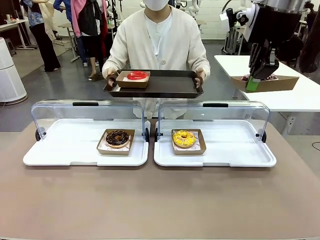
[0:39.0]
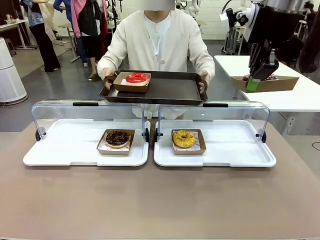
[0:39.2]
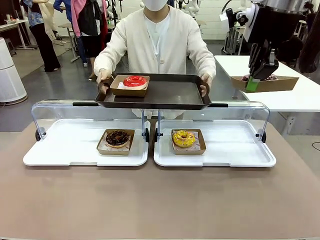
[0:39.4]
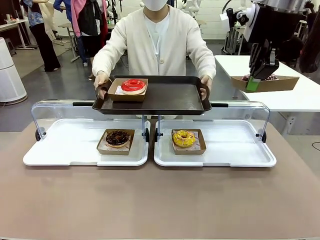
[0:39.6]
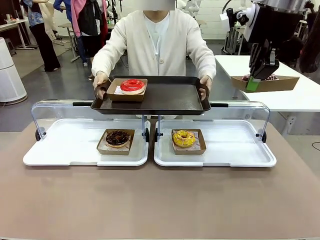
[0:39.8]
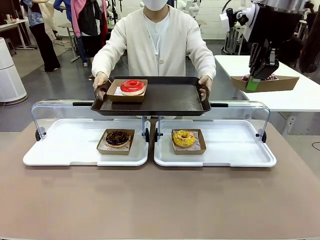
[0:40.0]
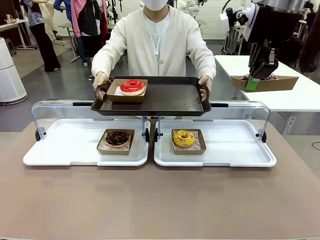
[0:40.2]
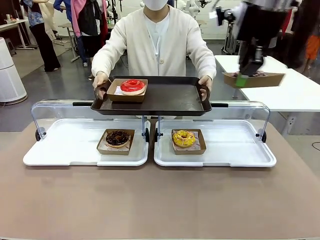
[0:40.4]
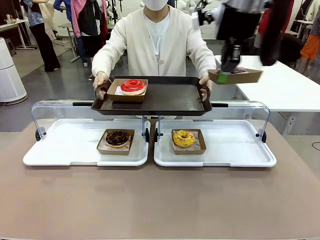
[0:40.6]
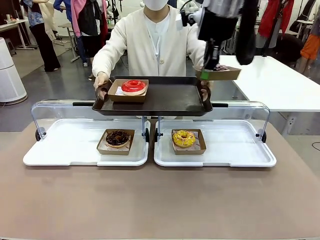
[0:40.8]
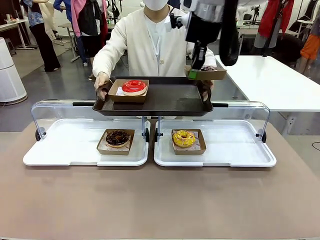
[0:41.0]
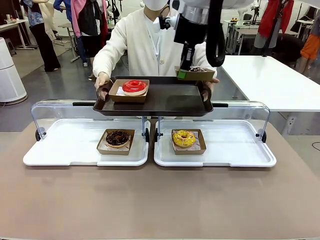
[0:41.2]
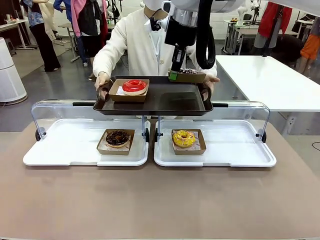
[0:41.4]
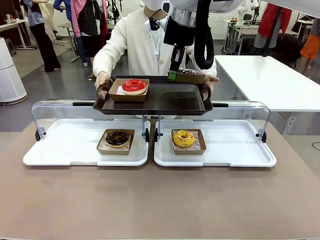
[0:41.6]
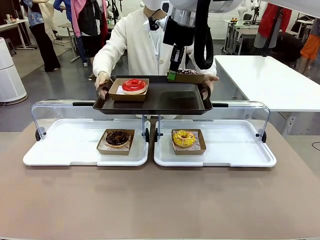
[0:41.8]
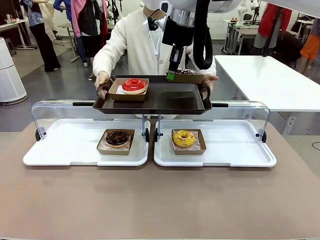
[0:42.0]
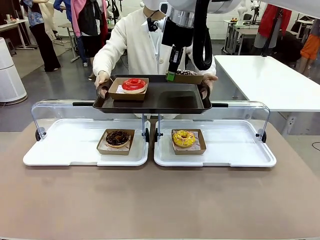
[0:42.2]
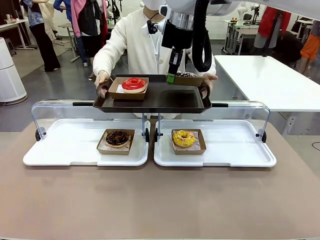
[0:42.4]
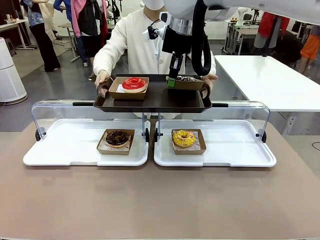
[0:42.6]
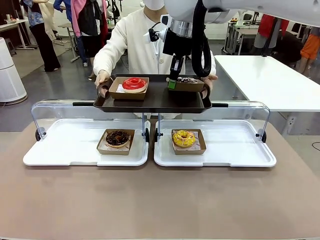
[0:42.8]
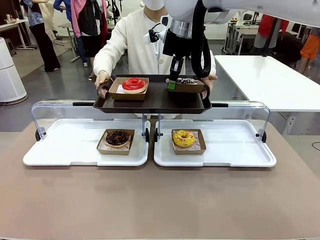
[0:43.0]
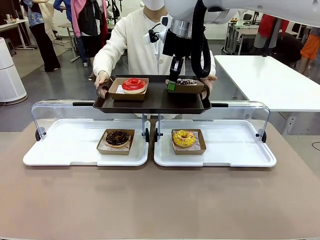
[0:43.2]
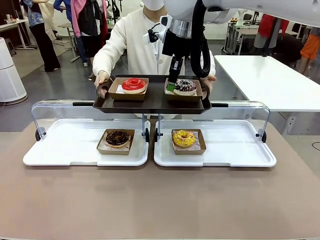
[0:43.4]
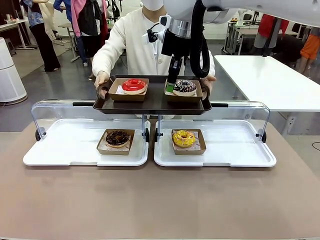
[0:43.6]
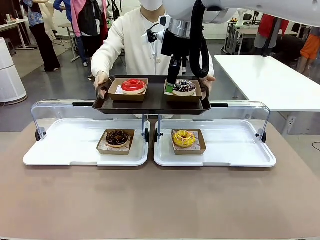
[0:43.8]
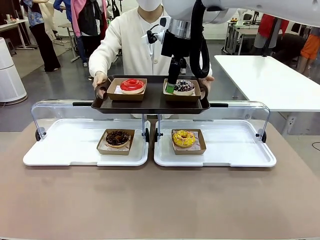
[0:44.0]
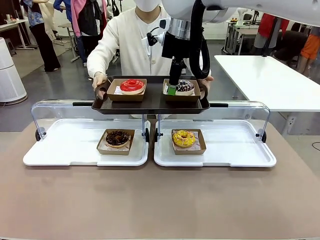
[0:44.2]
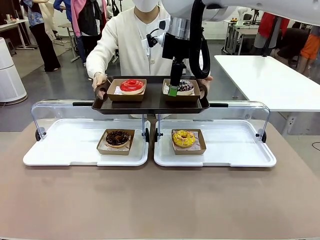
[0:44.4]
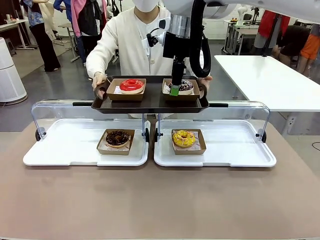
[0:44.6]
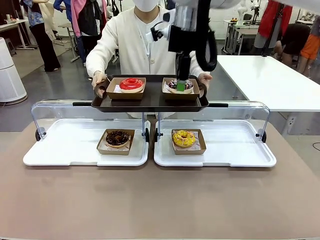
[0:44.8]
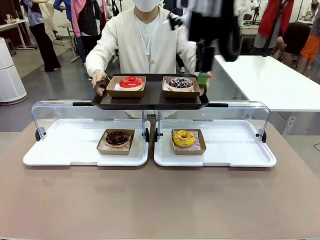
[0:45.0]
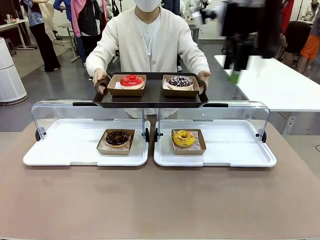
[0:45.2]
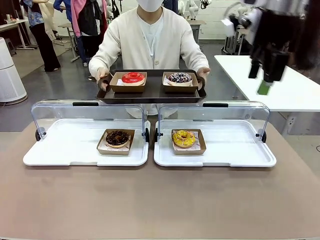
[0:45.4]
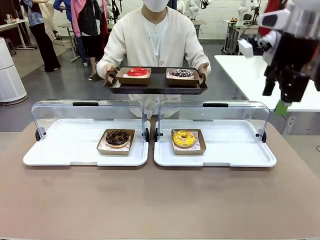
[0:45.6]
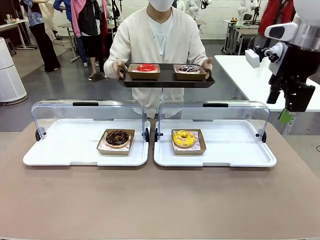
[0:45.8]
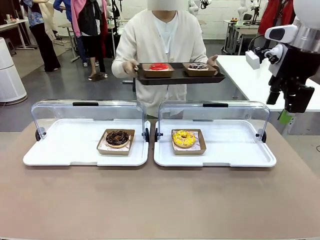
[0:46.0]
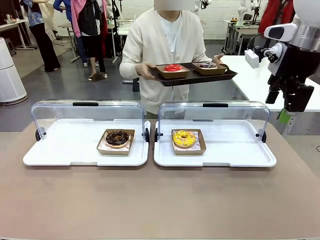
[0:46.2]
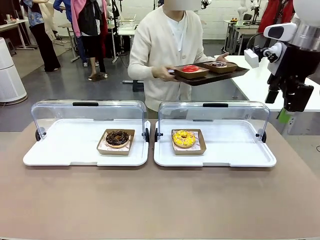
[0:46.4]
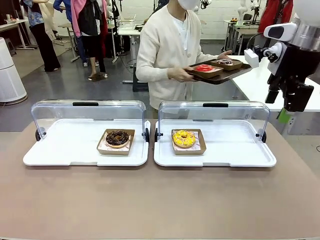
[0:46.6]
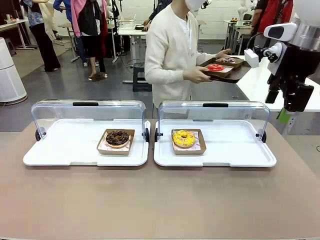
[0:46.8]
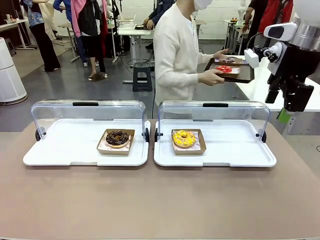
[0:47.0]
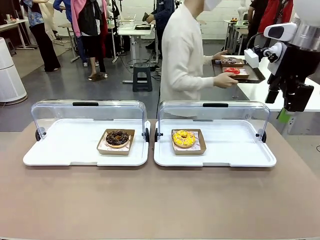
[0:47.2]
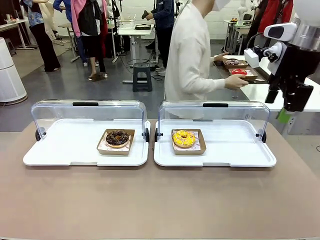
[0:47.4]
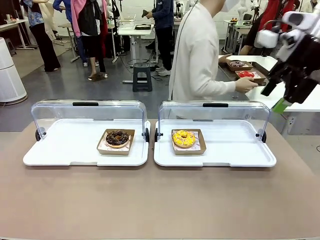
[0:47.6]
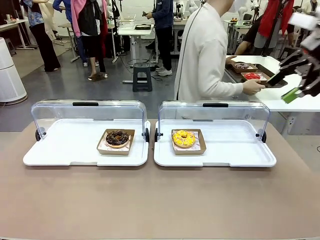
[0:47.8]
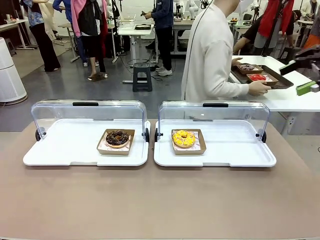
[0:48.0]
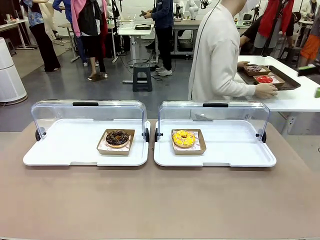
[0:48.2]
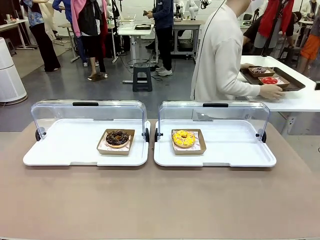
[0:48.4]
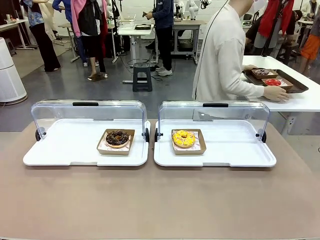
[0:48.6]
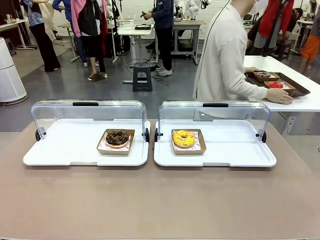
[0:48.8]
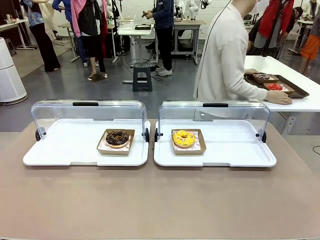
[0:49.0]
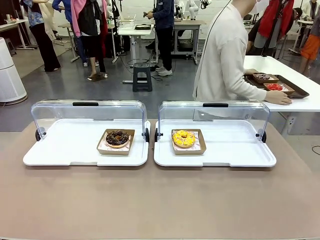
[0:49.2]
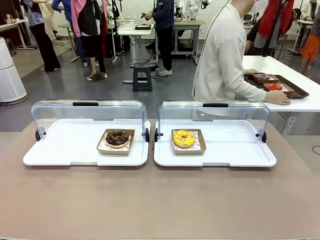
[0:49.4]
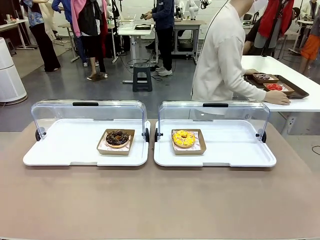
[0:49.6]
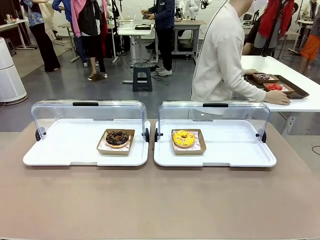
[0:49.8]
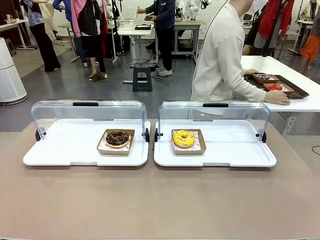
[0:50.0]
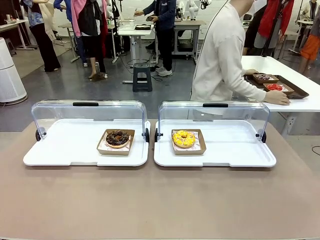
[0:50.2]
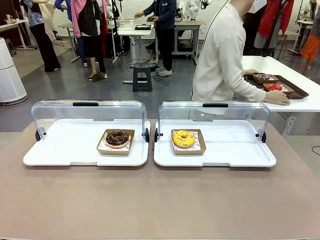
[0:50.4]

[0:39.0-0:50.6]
Task: Provide the desired donut to the person.
Robot: Place the picked Paper togo box onto the Handle tray extended by the person.
Person: Place the tray in the middle of the human table.

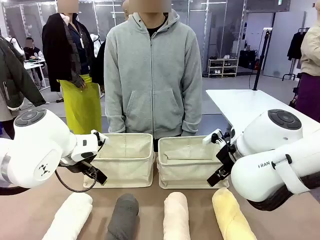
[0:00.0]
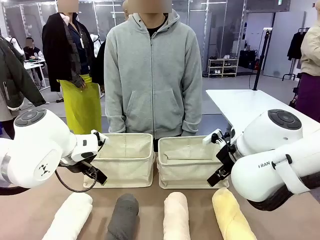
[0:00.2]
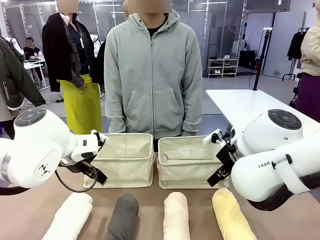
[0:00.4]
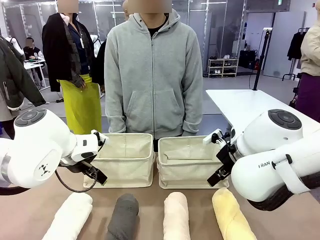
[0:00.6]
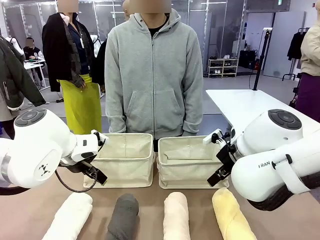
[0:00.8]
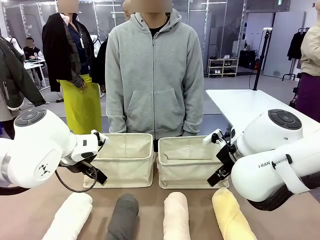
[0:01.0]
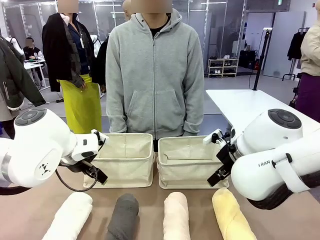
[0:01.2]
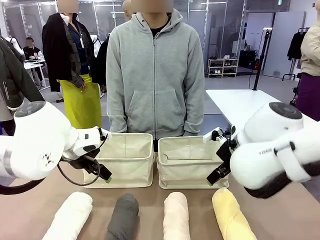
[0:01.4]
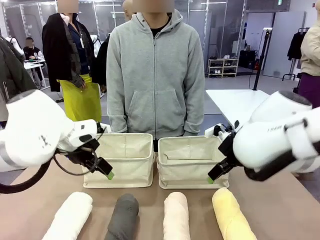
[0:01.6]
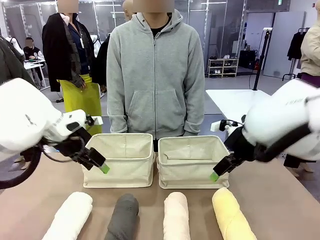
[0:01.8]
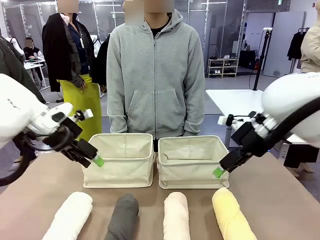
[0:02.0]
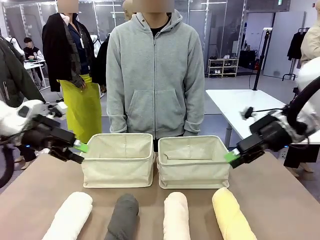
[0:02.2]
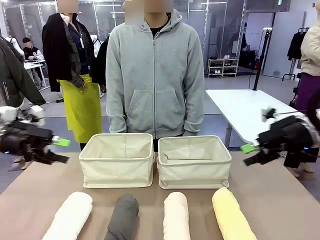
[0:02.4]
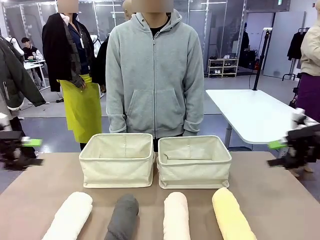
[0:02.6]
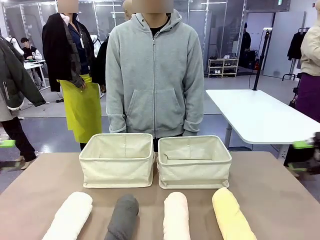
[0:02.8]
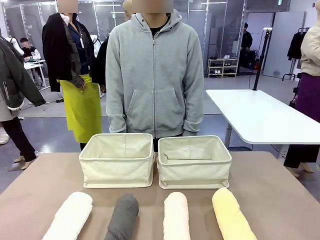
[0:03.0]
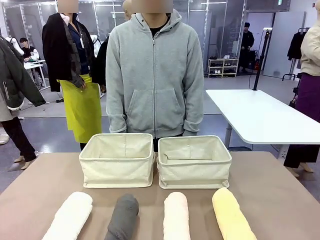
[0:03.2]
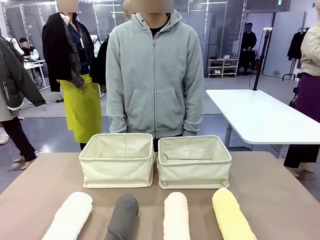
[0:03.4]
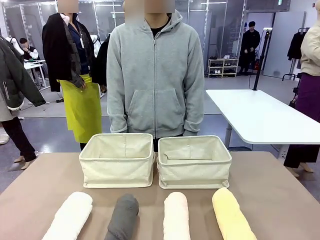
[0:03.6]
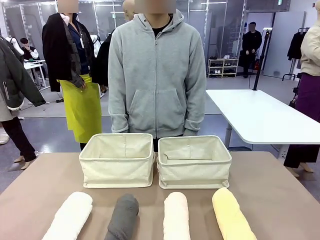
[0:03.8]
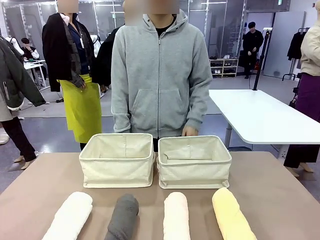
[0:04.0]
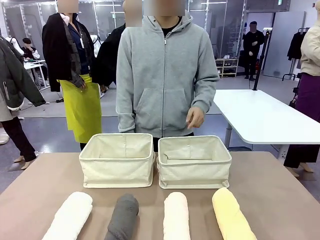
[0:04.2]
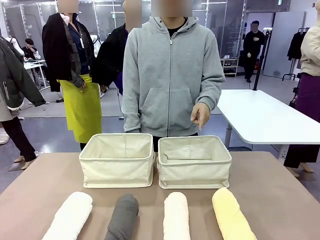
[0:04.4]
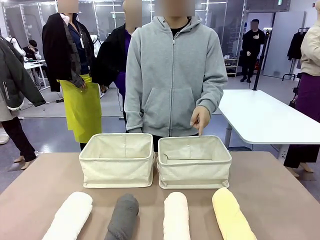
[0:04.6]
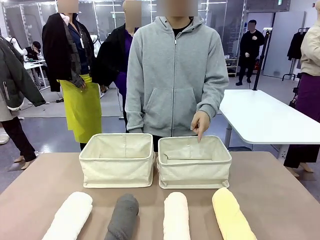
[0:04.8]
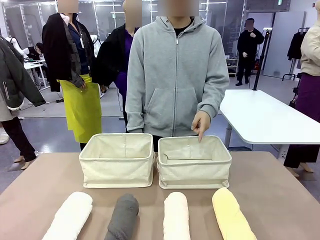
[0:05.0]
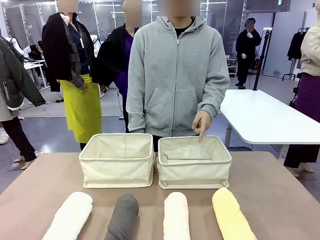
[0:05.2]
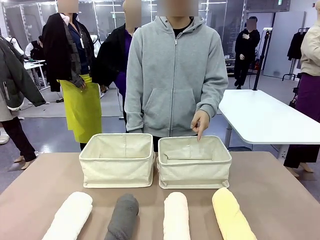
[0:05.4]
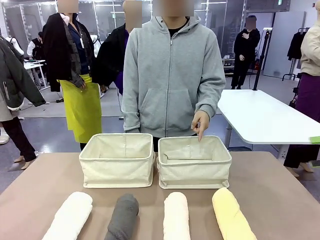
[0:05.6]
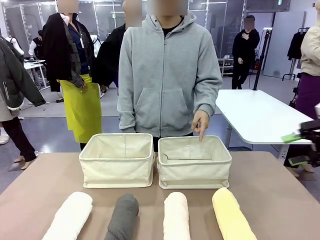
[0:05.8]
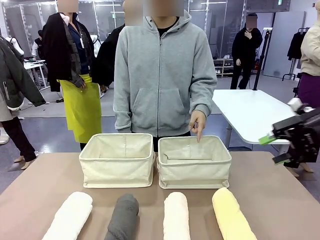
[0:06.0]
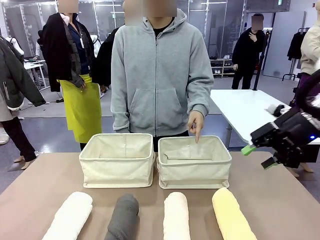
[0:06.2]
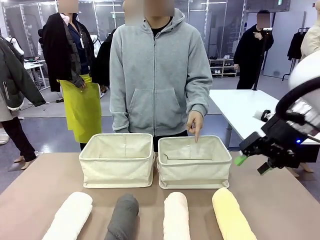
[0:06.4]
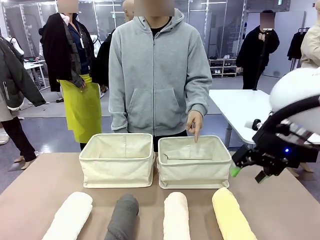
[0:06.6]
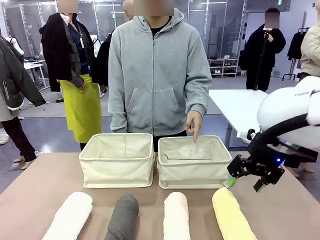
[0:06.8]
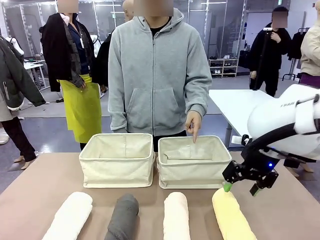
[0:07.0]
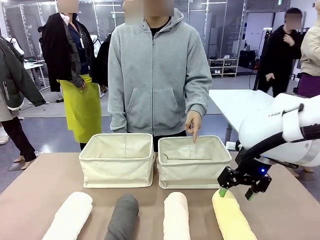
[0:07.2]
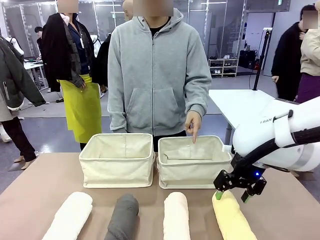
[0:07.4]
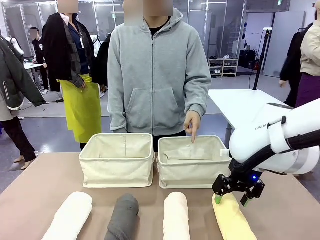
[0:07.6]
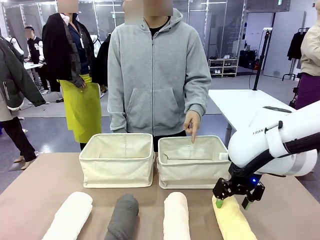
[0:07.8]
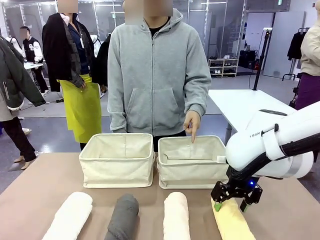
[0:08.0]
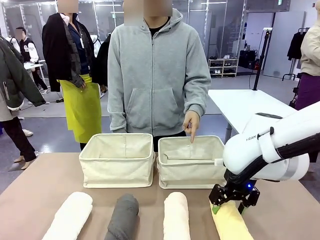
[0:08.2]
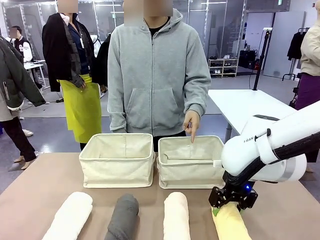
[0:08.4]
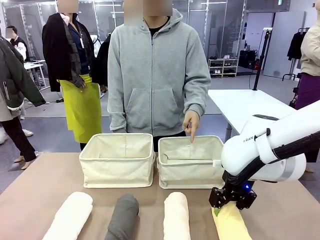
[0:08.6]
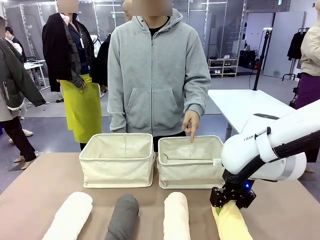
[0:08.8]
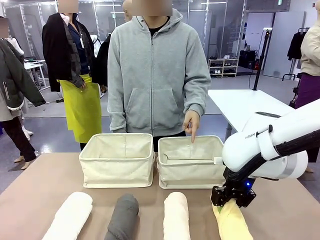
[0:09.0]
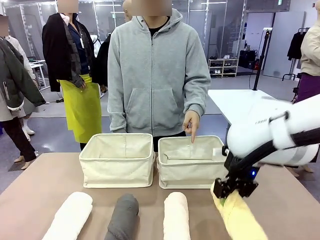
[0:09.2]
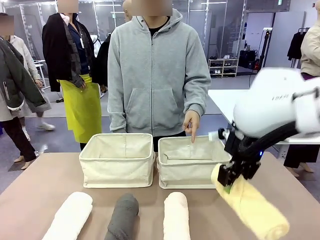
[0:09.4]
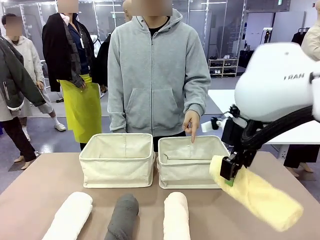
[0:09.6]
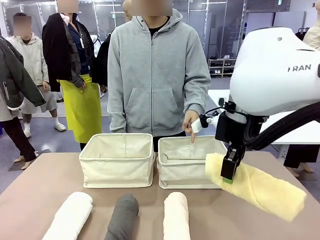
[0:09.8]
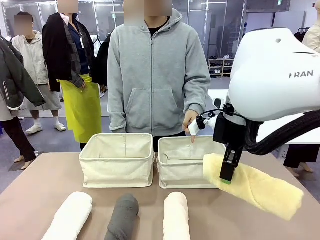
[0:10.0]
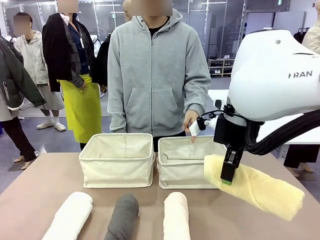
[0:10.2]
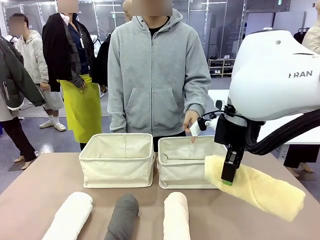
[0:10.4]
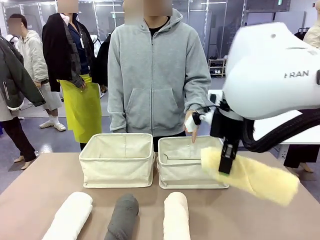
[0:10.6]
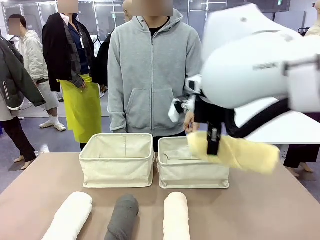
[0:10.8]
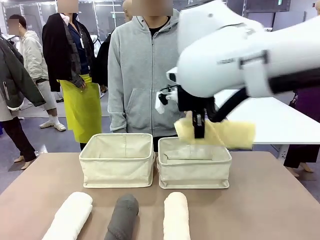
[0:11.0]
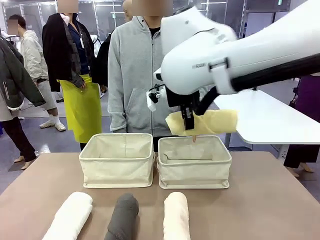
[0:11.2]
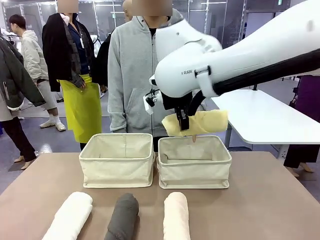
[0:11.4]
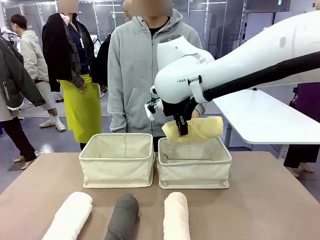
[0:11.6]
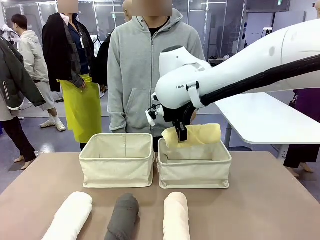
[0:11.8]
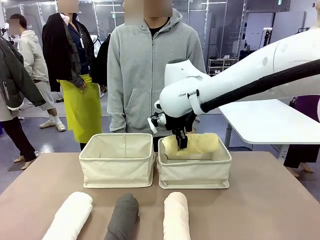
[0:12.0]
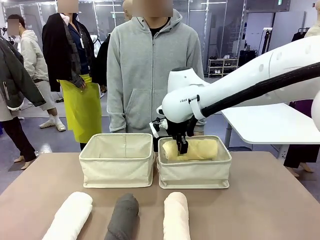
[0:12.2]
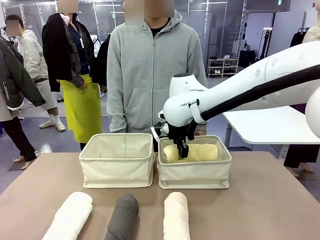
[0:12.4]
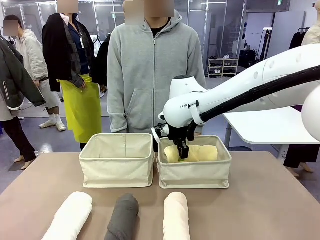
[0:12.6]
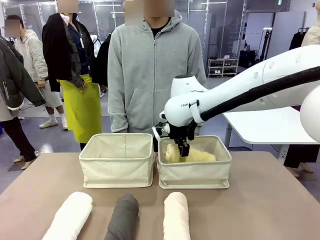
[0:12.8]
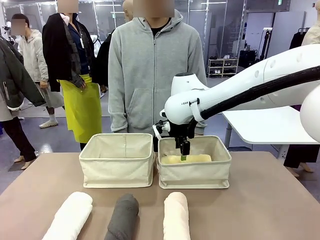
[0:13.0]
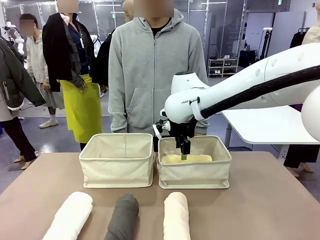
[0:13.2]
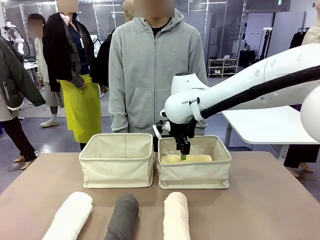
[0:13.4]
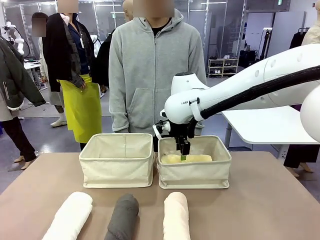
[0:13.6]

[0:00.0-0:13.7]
Task: Divide the towels into two baskets.
Robot: Pick up one hotel-folded towel and place it in the Fabric basket indicated by the person.
